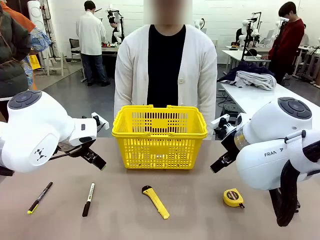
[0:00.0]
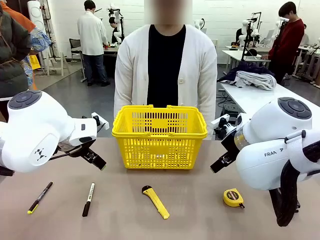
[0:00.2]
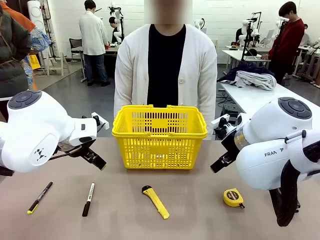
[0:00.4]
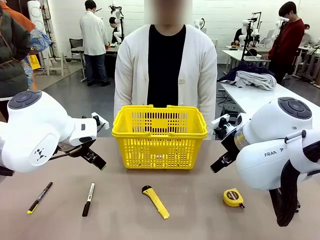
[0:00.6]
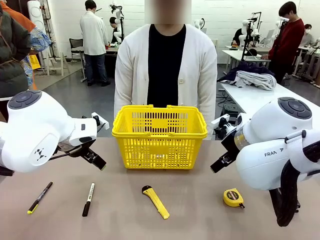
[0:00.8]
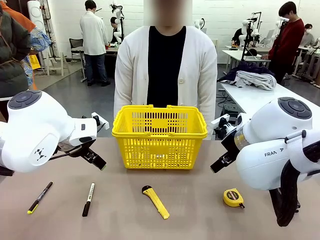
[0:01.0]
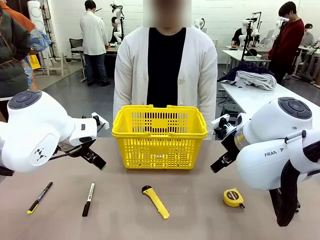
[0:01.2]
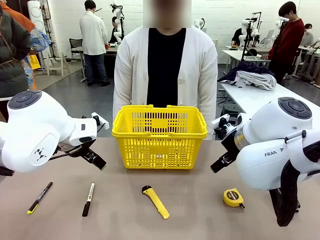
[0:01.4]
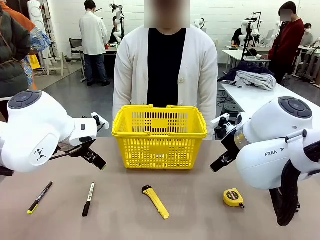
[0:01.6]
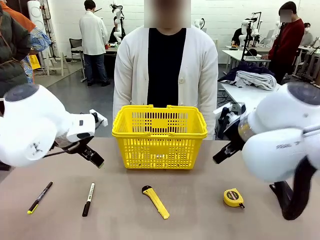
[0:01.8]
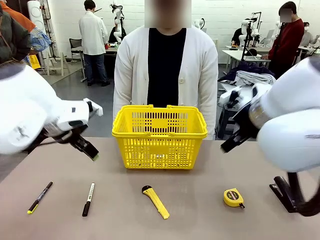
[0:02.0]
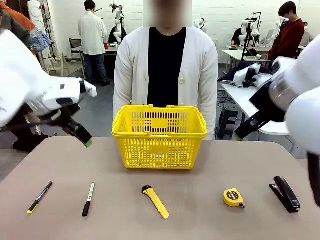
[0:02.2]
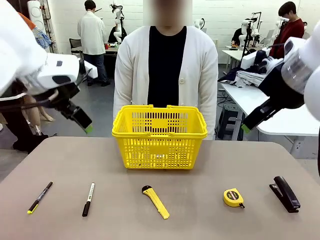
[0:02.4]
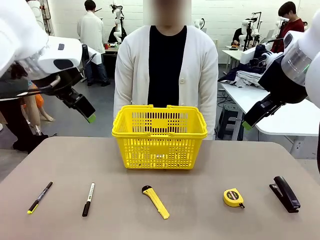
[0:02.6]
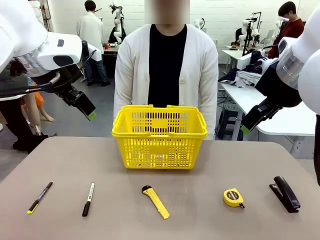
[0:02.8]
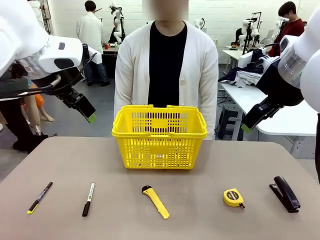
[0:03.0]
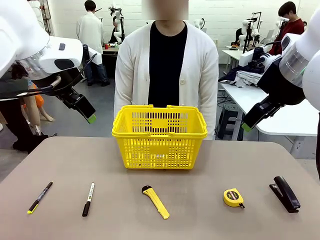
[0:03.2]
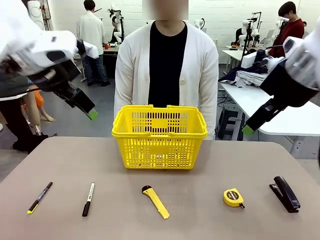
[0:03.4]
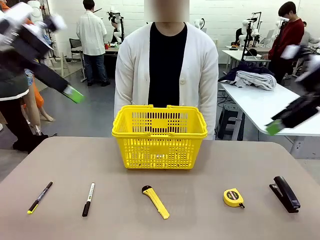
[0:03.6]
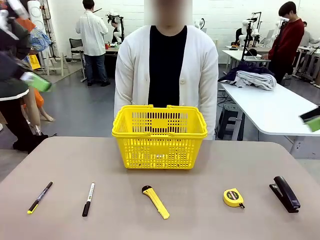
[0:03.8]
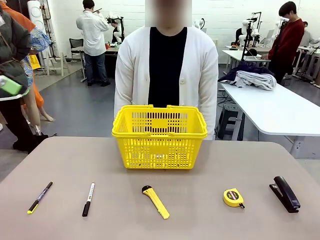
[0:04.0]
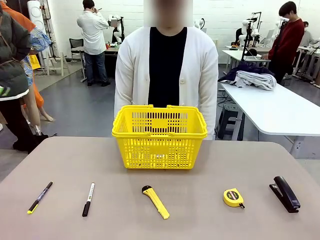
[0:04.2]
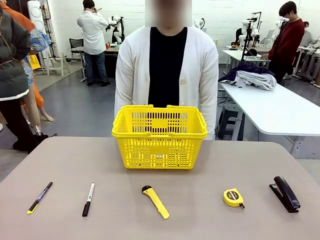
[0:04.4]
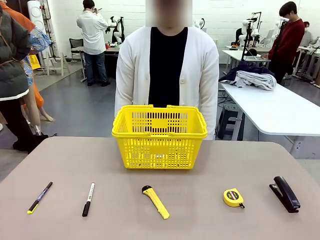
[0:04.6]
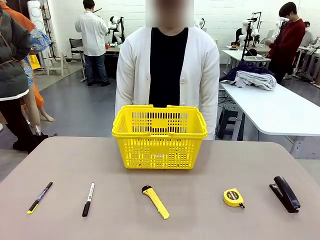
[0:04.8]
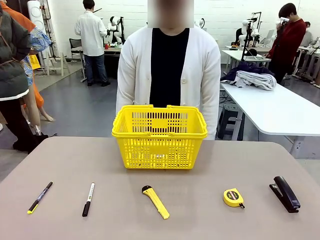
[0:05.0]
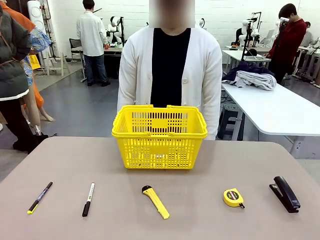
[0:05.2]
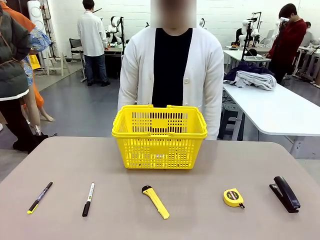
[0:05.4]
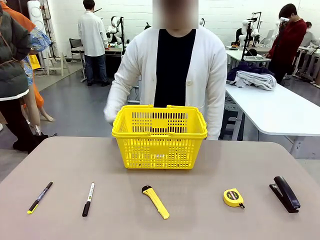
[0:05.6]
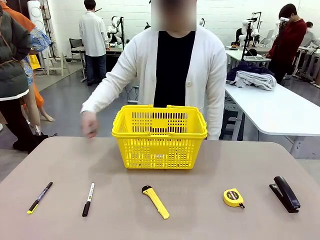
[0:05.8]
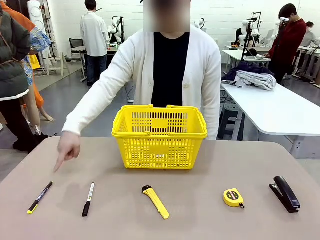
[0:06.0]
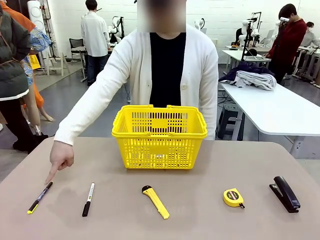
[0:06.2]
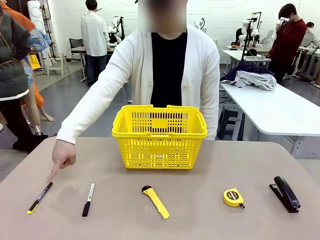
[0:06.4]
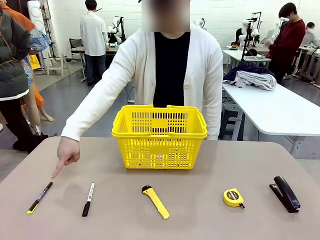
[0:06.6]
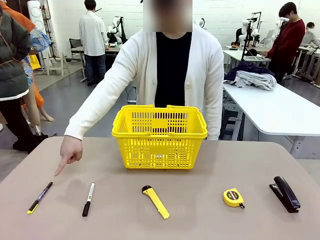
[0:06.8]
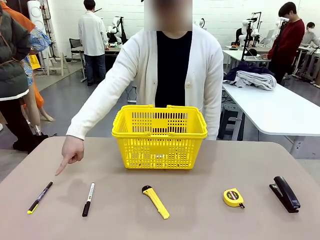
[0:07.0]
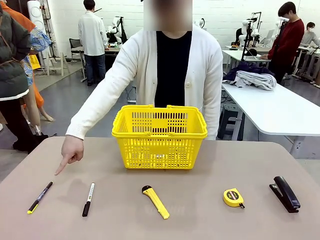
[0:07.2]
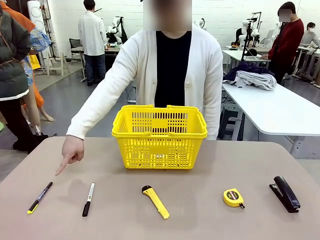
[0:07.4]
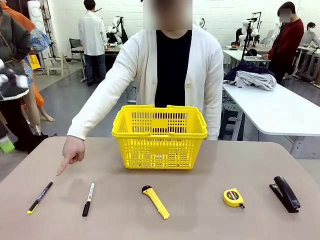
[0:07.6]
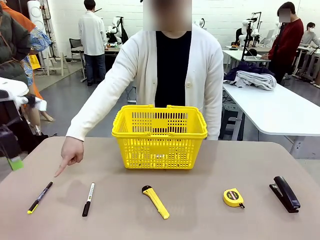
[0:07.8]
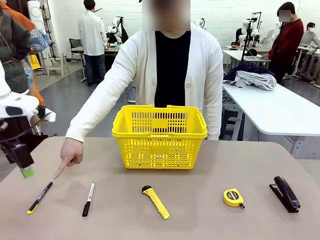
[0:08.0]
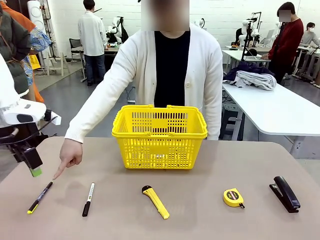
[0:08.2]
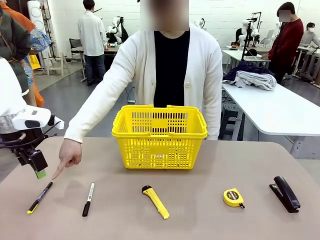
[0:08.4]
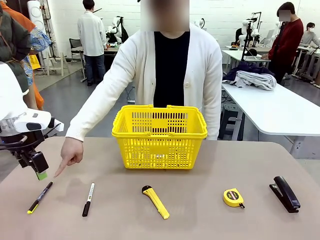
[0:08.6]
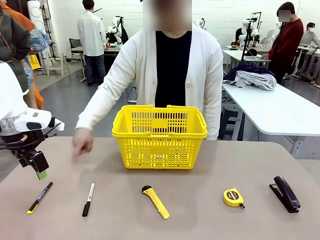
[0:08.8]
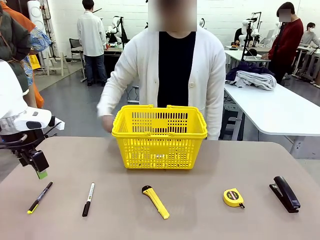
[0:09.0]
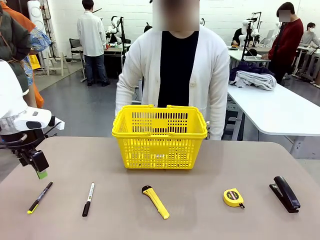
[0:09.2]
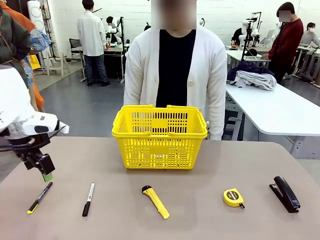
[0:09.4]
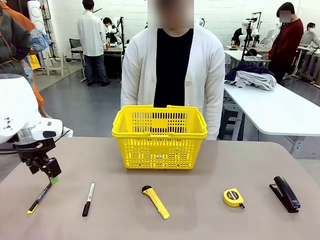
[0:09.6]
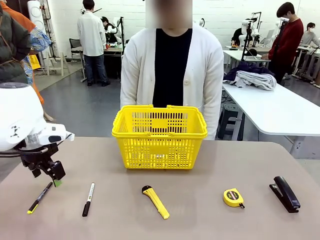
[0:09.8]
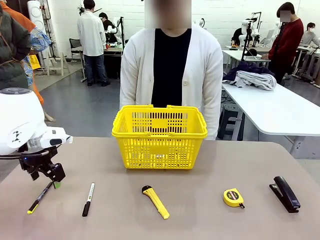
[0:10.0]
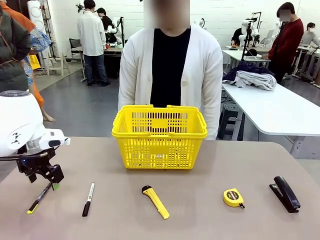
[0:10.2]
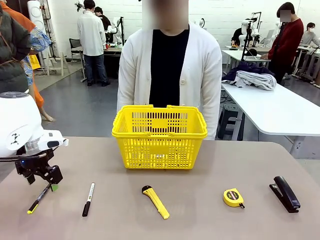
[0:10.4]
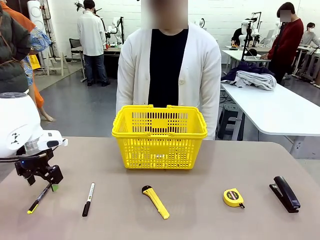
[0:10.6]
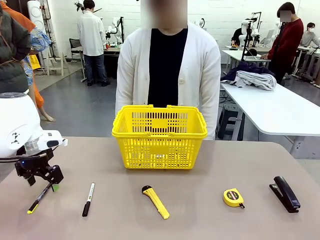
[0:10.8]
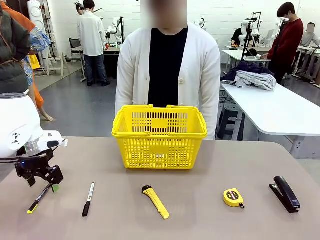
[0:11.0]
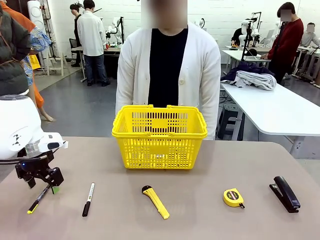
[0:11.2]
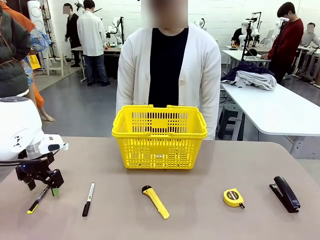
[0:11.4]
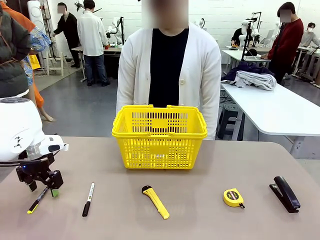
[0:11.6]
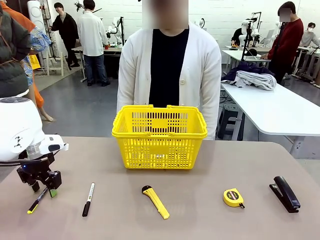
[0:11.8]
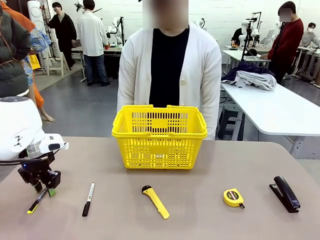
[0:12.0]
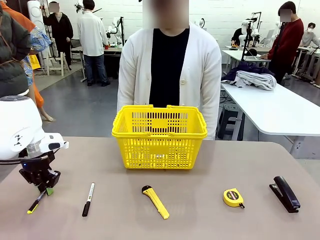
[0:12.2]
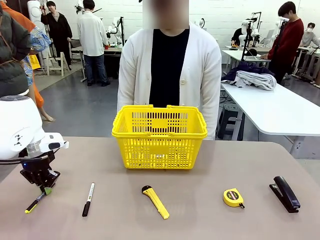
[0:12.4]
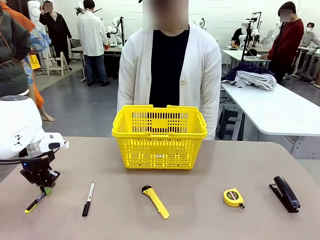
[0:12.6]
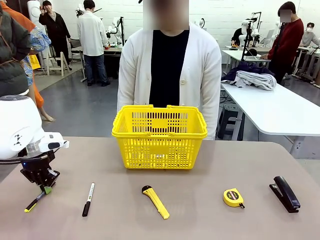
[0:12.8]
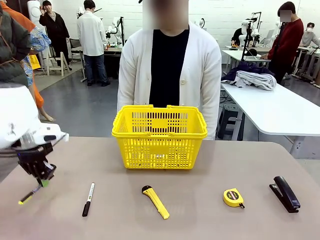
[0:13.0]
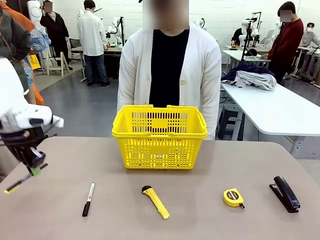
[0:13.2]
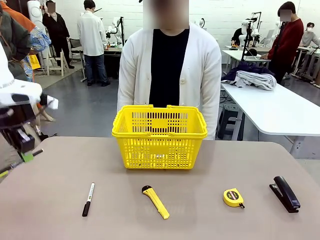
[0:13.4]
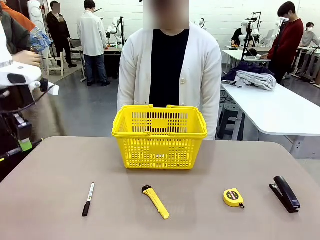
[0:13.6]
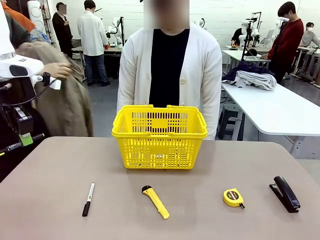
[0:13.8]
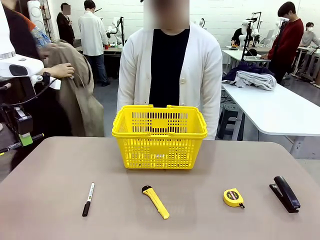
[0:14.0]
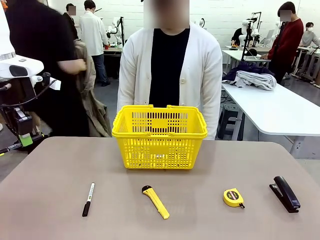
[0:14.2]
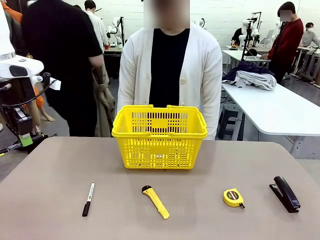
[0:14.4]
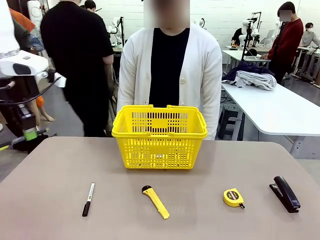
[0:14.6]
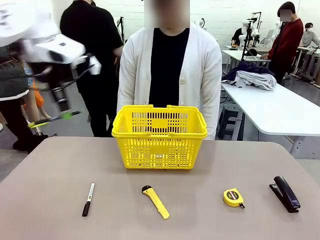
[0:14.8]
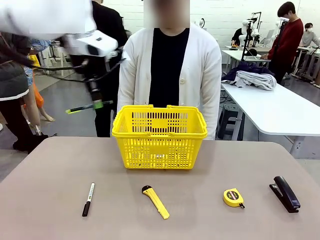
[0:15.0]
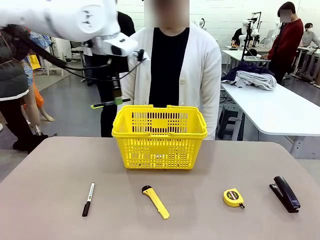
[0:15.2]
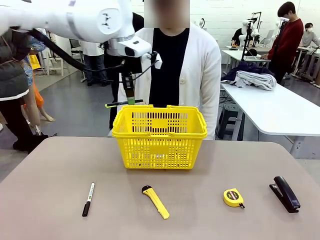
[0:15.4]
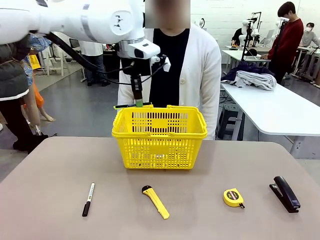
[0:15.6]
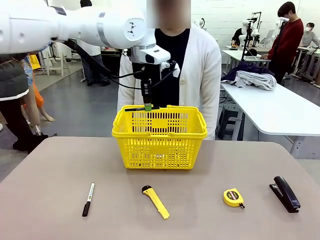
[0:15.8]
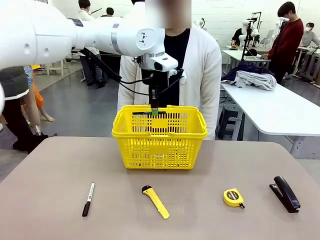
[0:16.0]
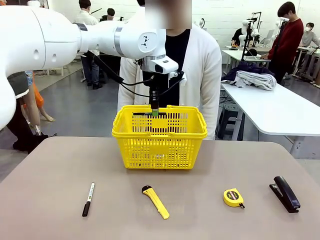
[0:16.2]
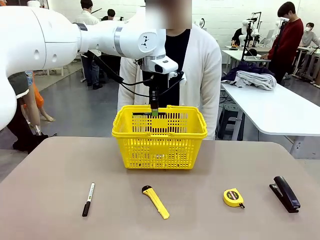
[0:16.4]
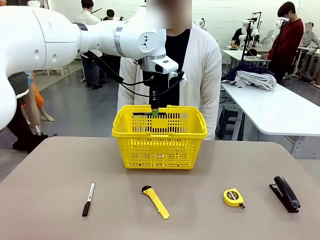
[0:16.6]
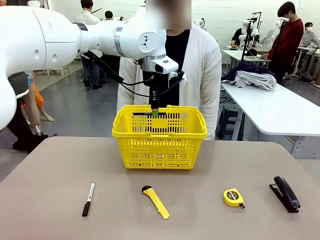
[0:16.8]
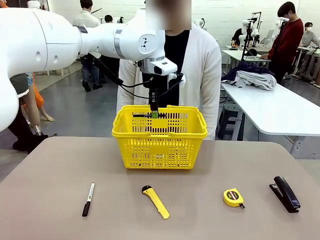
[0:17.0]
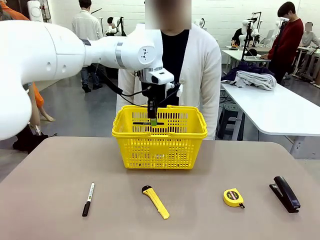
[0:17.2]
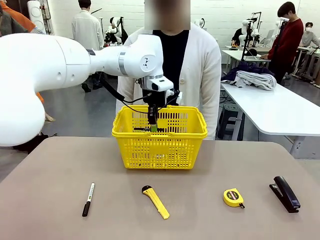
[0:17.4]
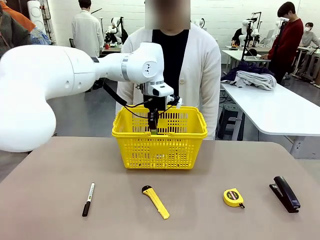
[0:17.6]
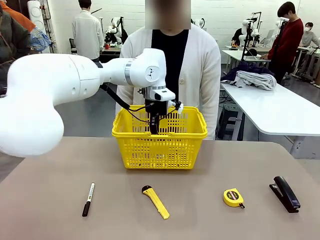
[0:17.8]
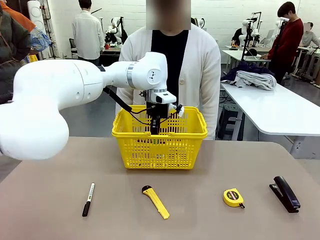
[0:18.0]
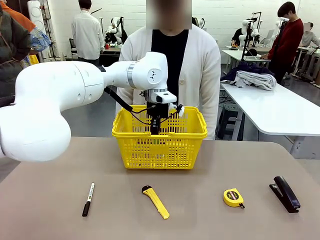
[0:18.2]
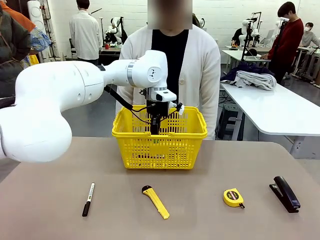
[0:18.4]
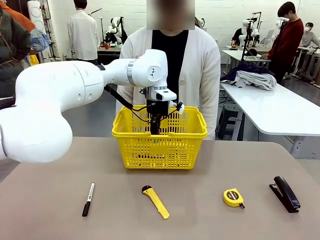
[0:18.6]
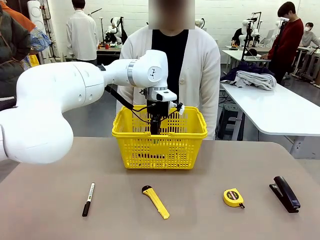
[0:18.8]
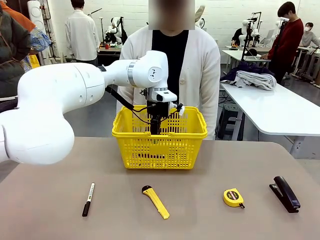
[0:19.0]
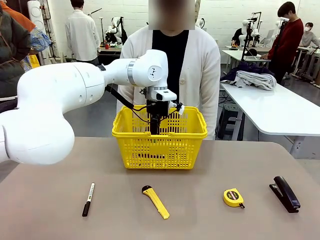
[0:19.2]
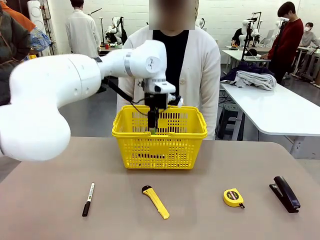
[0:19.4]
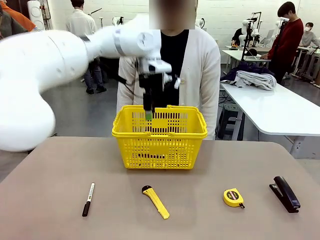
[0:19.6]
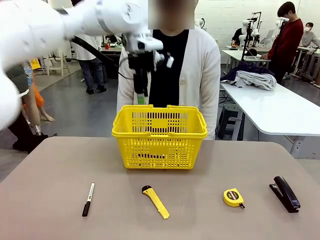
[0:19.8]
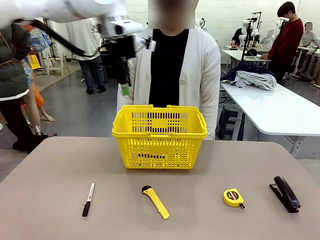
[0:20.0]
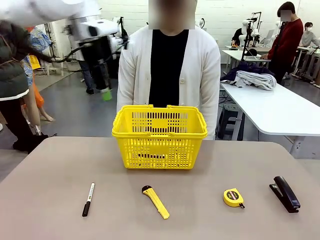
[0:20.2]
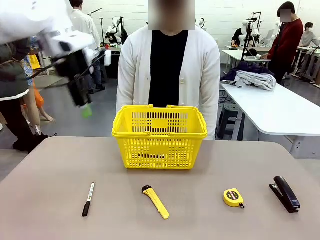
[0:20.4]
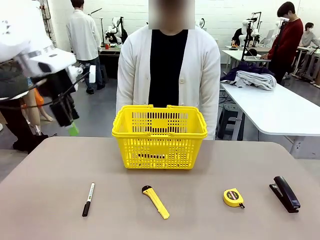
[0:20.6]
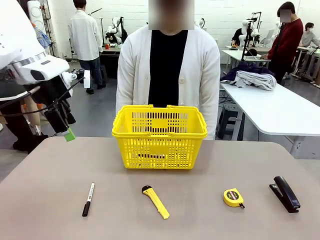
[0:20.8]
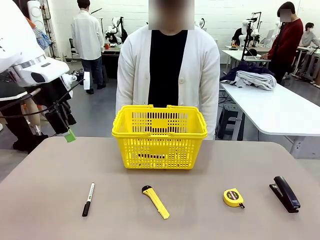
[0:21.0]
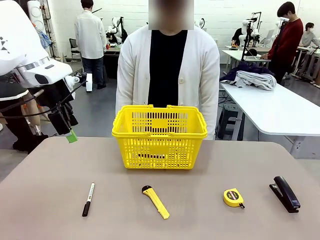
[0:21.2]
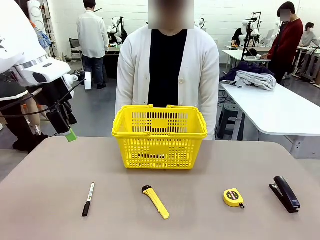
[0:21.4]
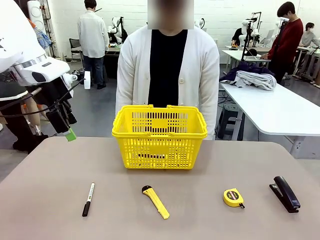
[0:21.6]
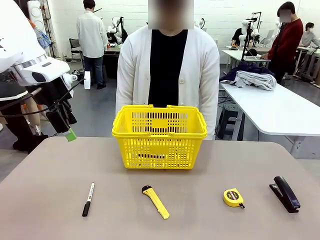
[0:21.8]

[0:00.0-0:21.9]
Task: Place the items the person wants into the basket.
Robot: Pick up the item the person points to and place it in the Market Basket.
